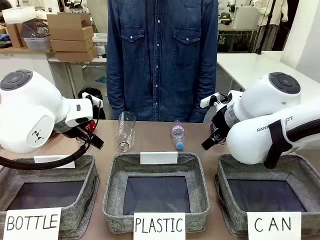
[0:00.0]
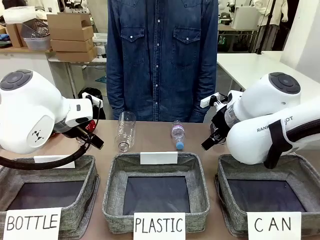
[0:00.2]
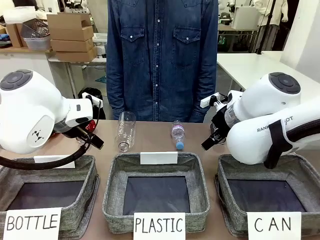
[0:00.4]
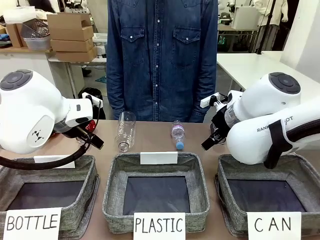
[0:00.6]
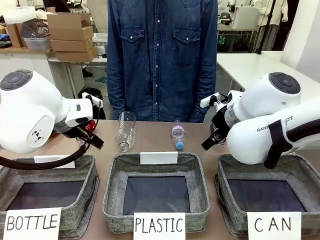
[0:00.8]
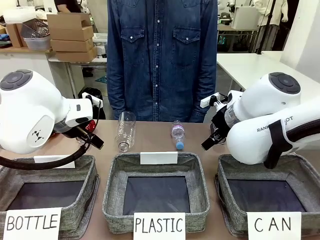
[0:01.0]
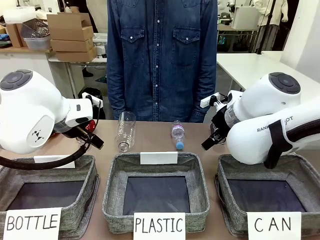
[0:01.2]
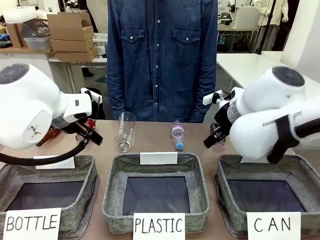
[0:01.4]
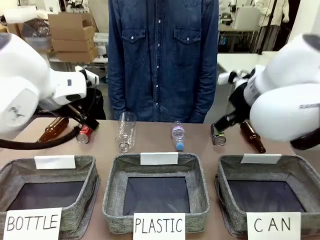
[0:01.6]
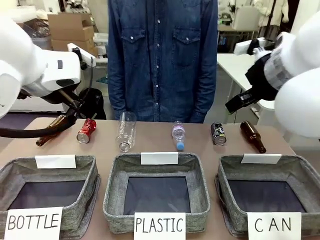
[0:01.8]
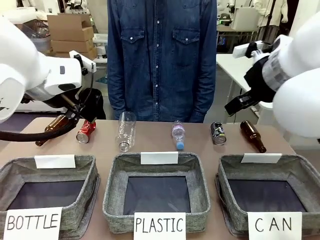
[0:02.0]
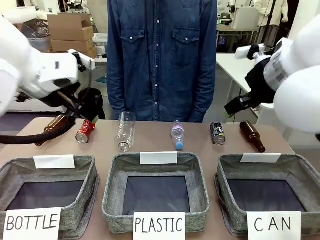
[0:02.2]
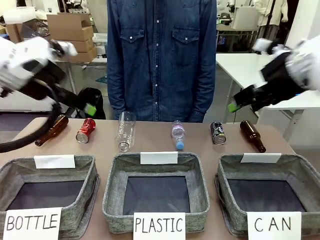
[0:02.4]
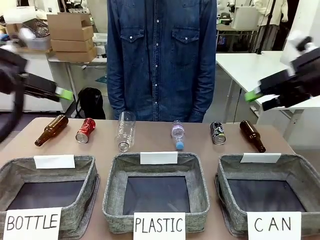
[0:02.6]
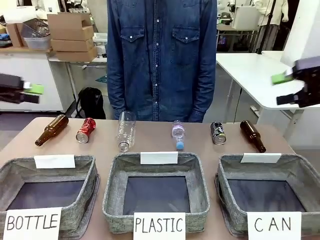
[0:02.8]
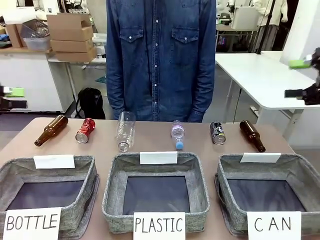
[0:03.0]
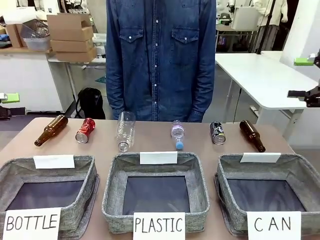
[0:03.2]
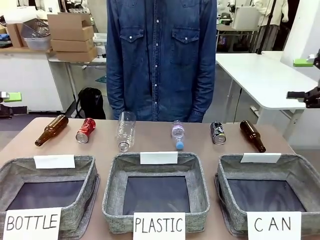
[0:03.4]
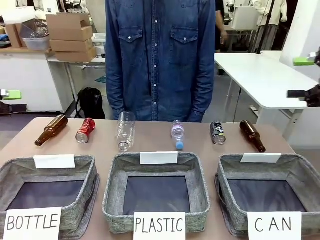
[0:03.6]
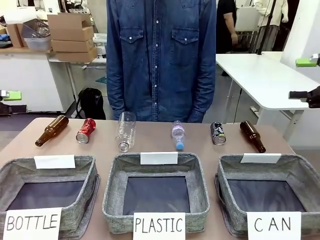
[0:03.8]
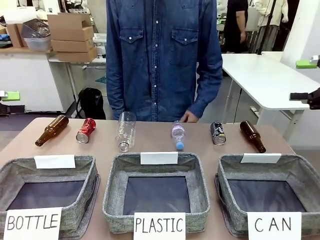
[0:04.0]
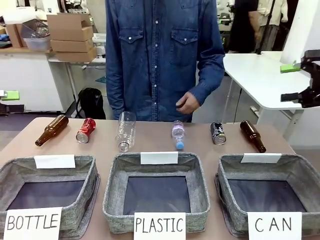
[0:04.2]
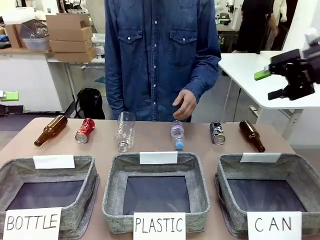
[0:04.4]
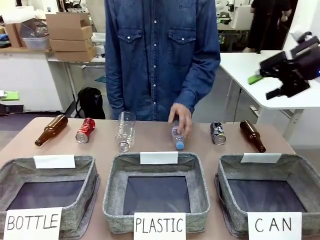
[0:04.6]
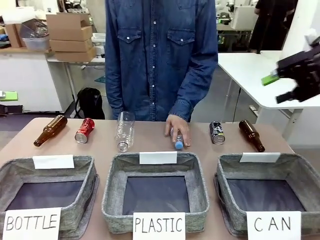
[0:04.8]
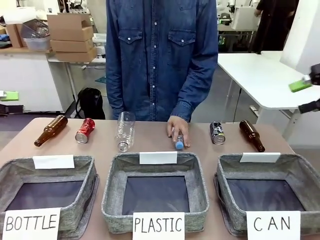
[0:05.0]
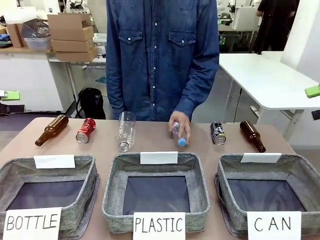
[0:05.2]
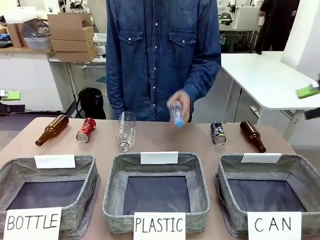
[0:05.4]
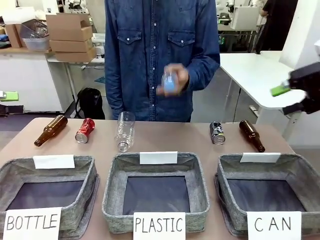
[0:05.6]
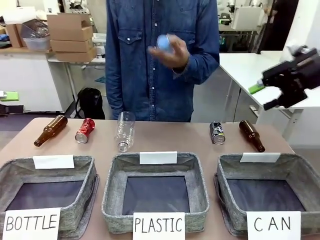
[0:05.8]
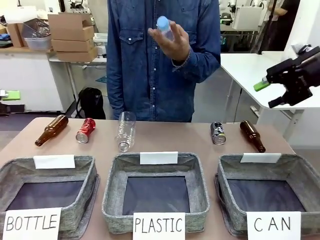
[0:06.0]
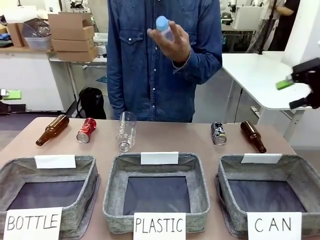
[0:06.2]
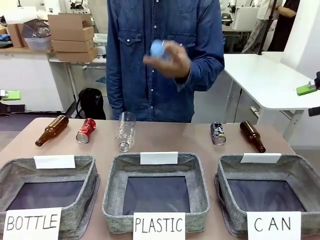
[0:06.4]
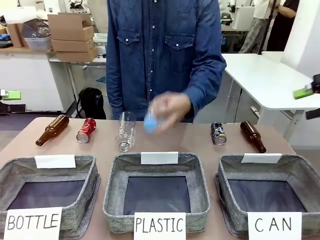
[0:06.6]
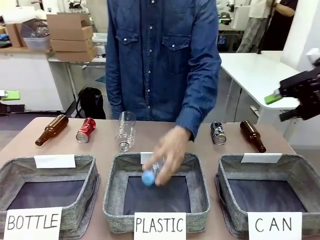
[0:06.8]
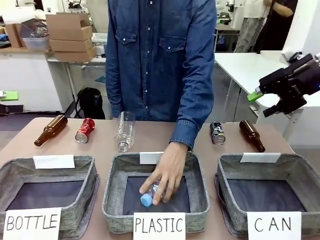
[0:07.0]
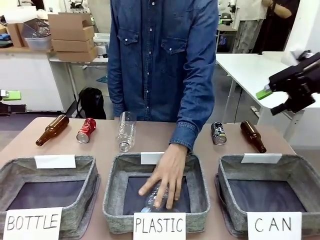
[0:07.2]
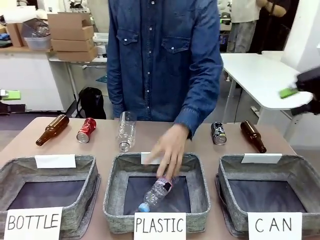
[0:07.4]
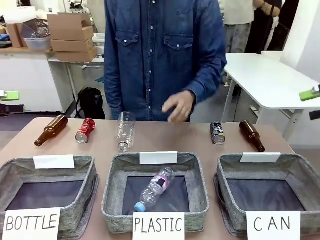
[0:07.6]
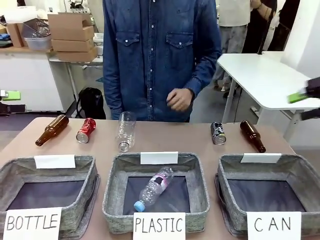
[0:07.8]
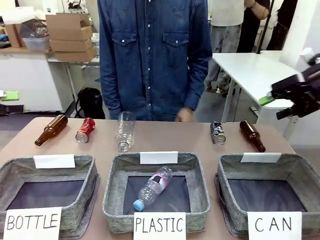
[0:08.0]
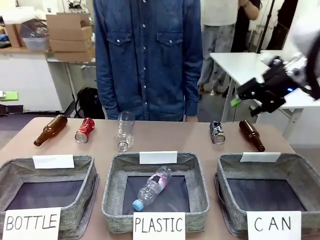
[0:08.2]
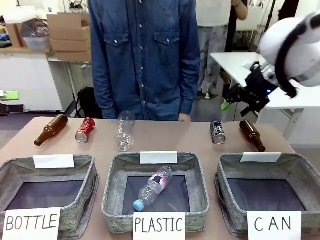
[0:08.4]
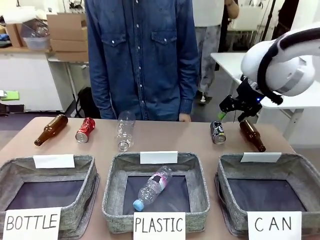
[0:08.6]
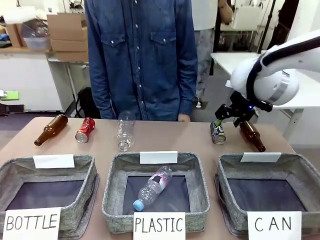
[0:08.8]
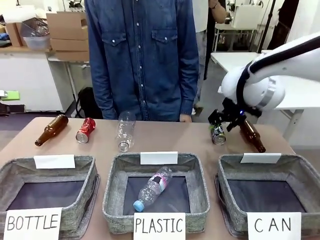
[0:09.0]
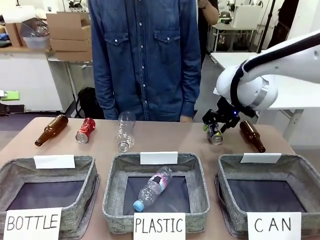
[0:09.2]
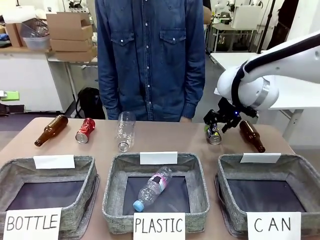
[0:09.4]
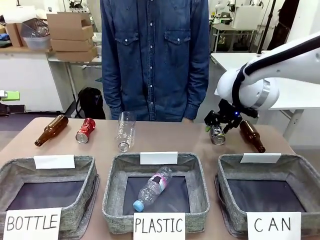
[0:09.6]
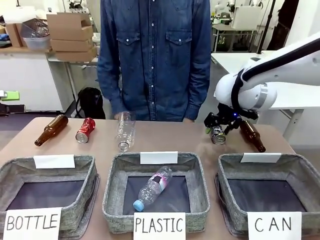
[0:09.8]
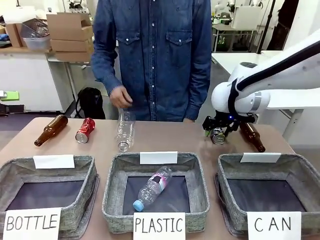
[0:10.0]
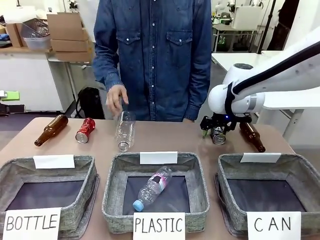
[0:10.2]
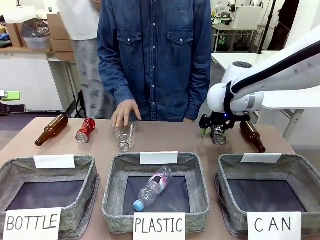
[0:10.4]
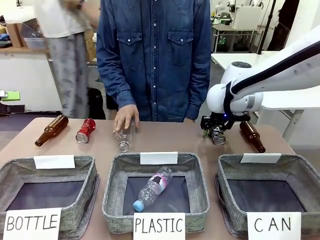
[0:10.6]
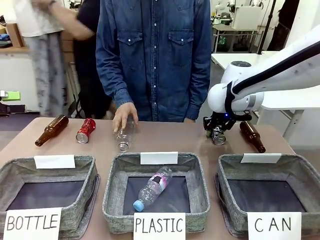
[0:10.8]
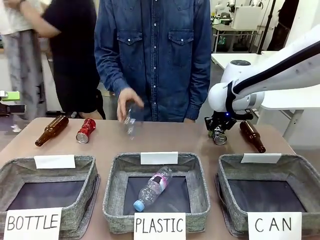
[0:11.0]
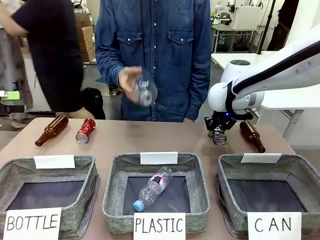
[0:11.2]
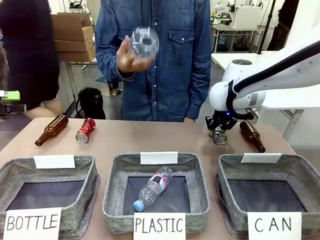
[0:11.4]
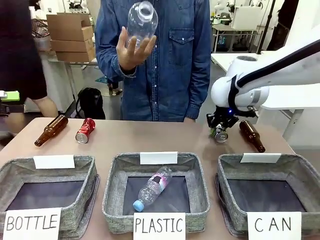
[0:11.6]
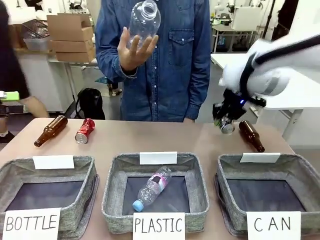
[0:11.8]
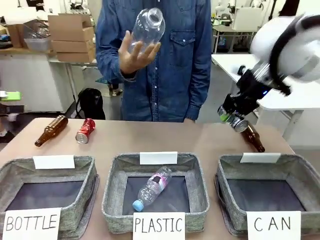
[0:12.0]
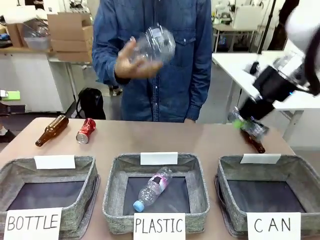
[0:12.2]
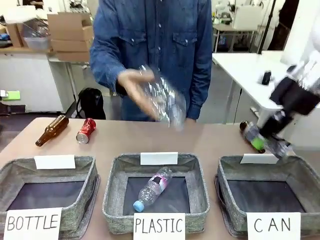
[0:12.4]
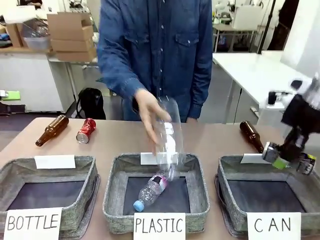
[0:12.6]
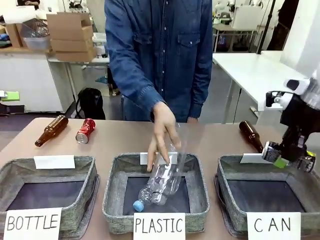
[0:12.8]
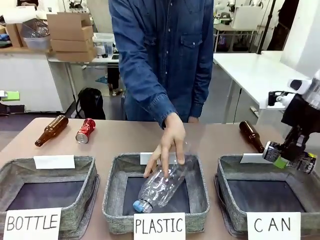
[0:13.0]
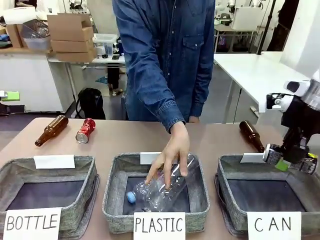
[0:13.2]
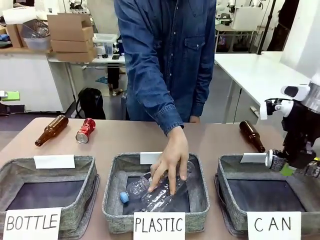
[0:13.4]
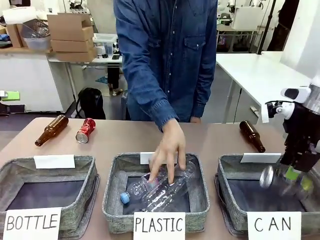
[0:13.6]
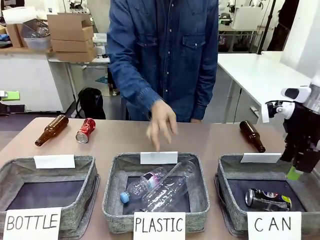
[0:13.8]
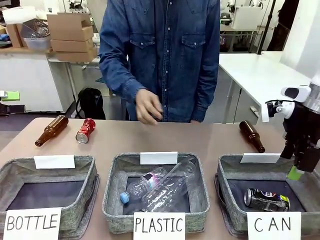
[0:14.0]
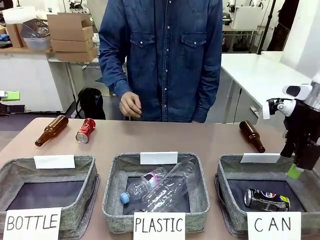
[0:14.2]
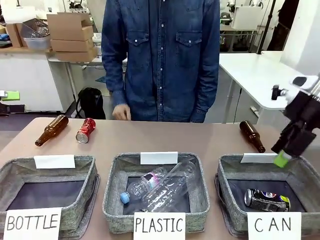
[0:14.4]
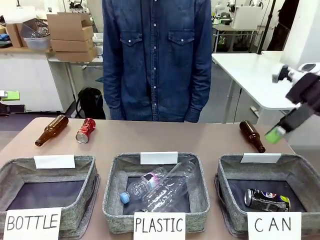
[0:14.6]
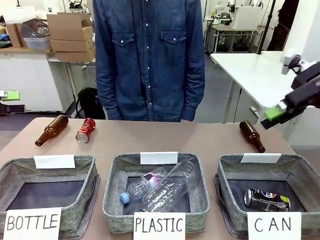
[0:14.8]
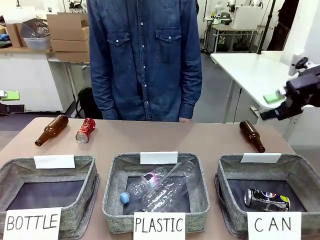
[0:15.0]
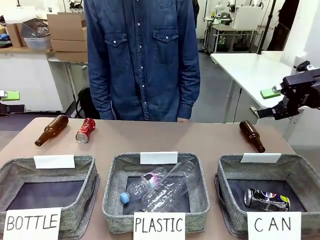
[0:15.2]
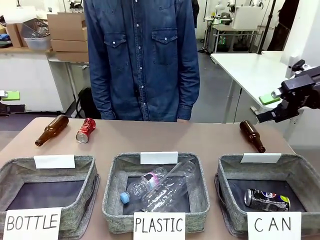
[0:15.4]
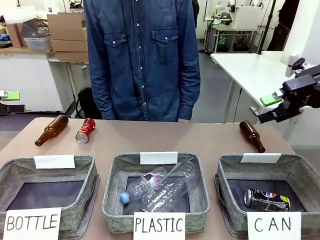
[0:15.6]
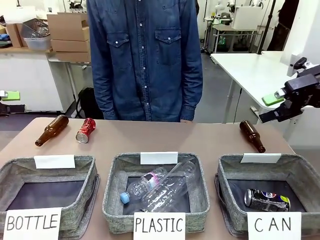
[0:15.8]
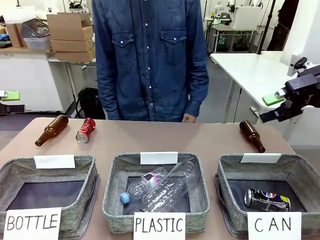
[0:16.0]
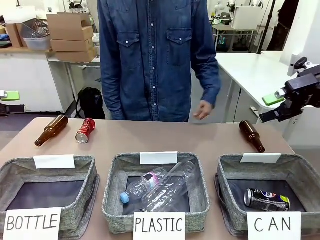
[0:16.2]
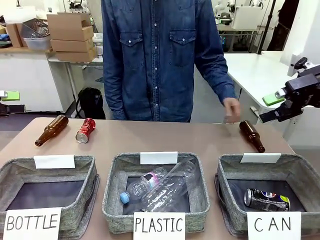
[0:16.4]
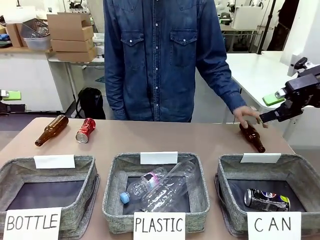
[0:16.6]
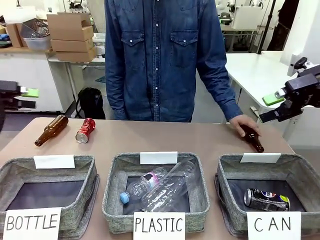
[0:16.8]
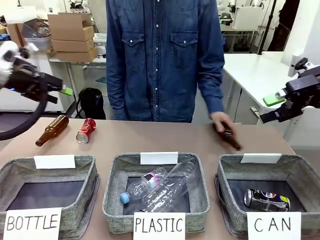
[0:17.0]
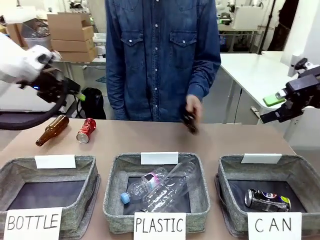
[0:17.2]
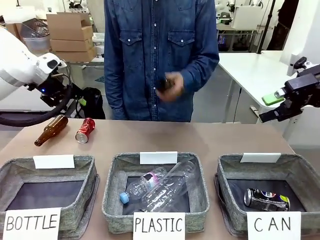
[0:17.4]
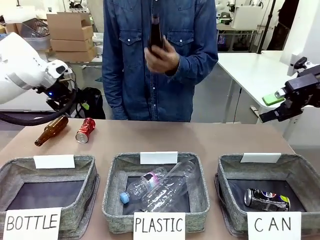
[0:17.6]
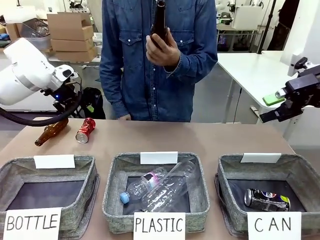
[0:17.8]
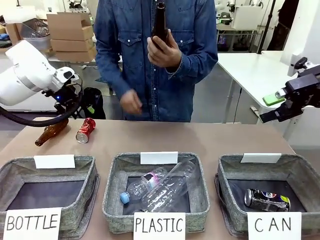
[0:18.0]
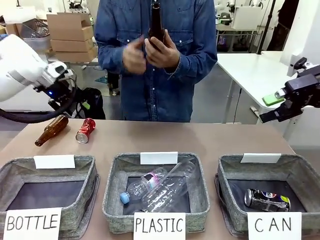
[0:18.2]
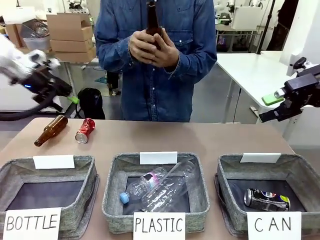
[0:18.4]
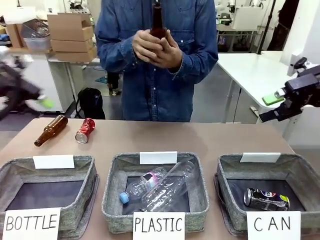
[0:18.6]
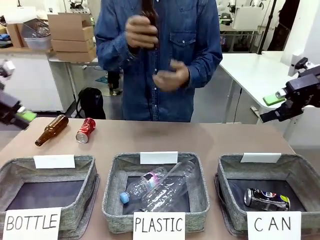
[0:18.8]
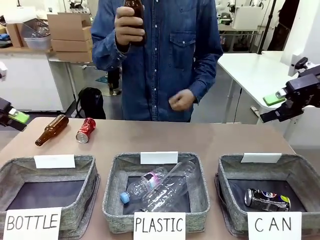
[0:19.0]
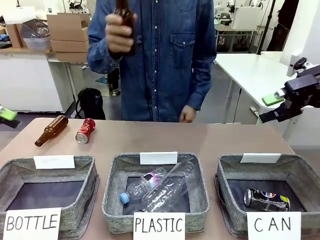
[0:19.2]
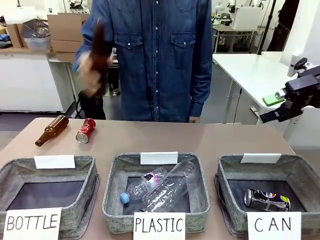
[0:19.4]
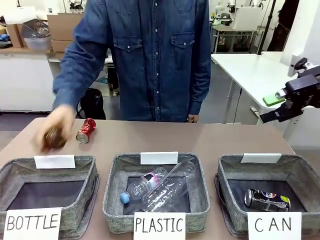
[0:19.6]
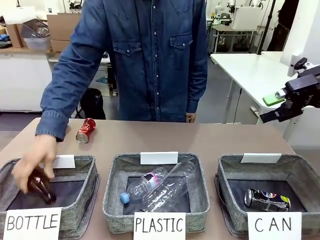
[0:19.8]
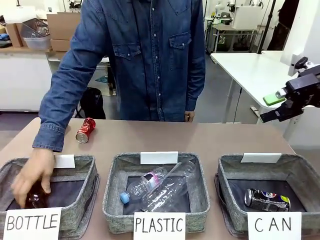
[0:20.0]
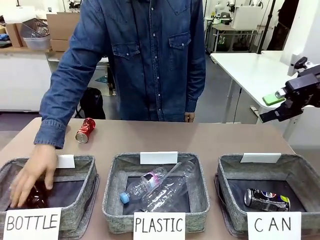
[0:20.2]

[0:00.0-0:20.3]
Task: Sort the can waste into the basket.
Robot: Pick up the can waste from the table and place it in the right Fabric basket.
